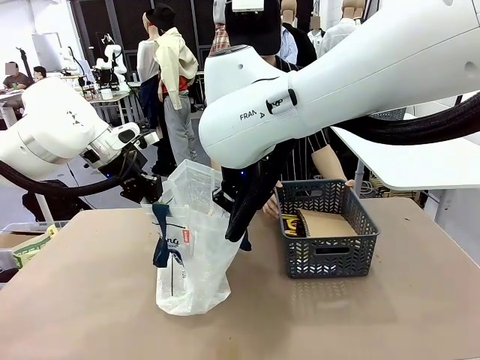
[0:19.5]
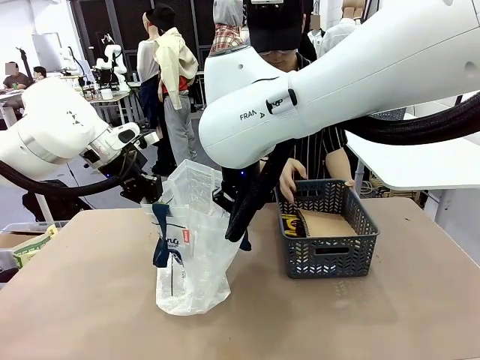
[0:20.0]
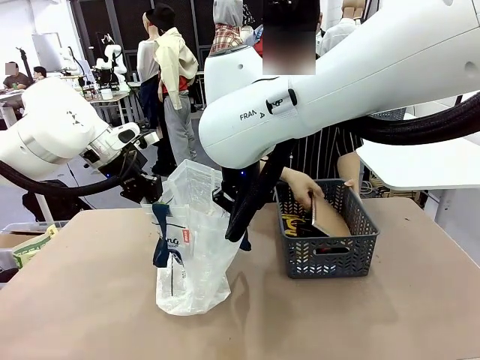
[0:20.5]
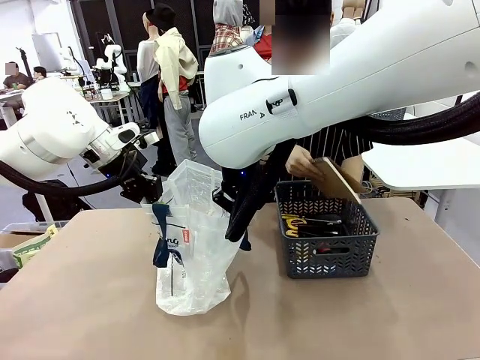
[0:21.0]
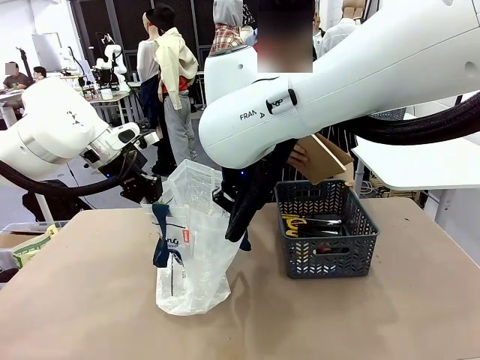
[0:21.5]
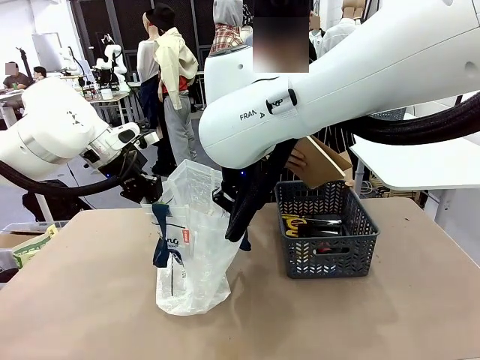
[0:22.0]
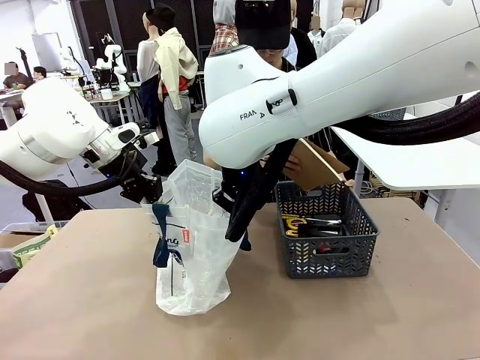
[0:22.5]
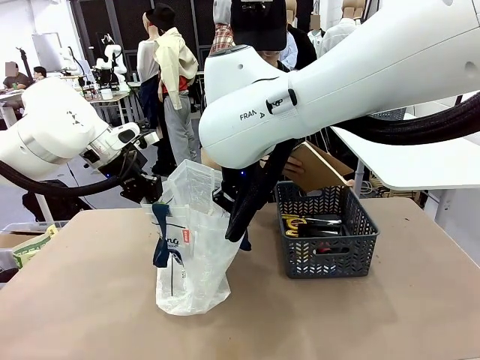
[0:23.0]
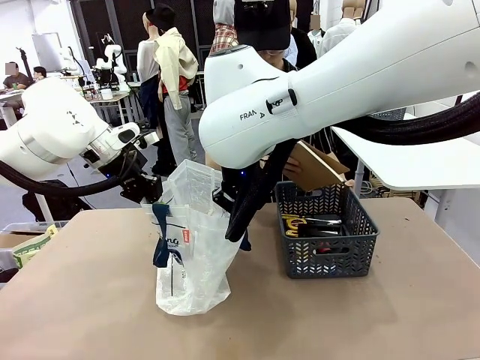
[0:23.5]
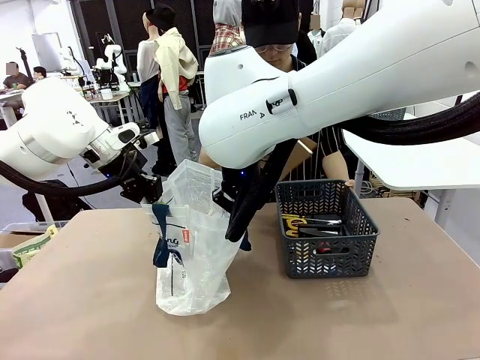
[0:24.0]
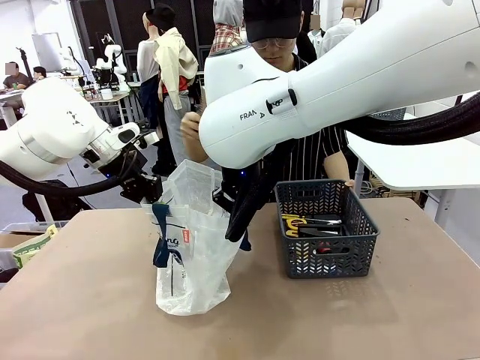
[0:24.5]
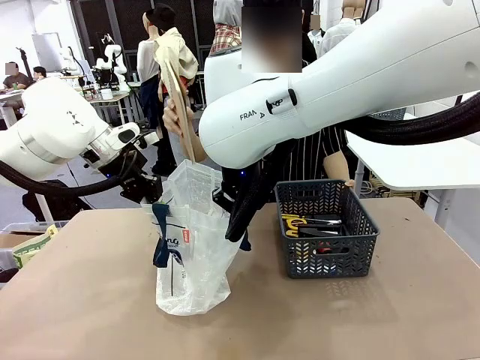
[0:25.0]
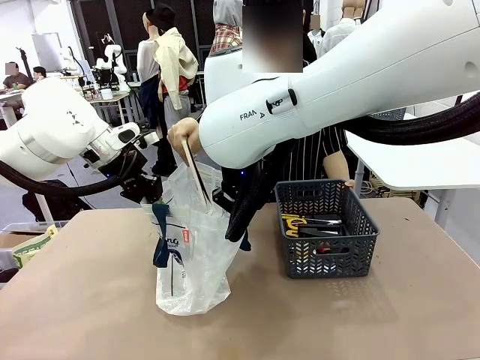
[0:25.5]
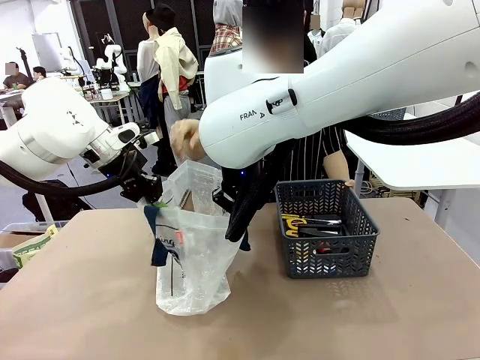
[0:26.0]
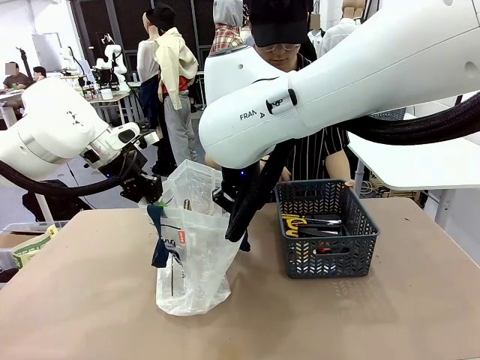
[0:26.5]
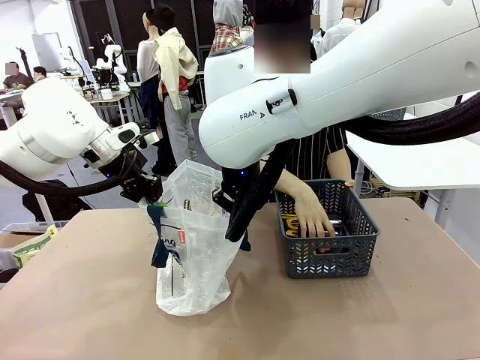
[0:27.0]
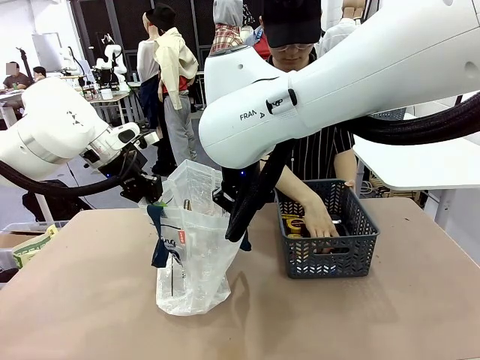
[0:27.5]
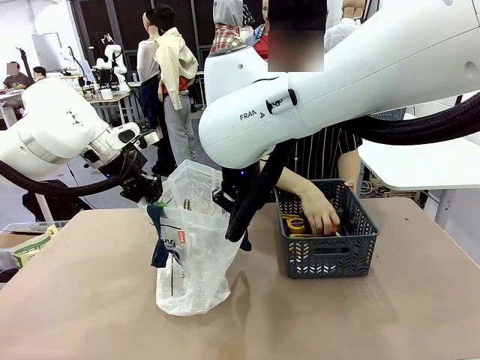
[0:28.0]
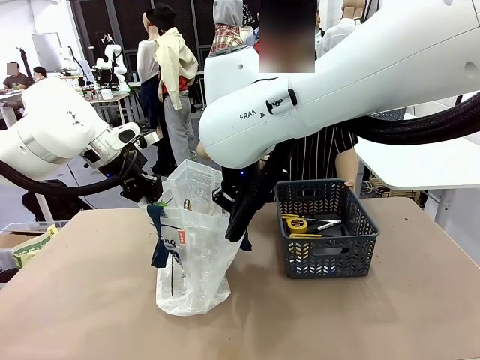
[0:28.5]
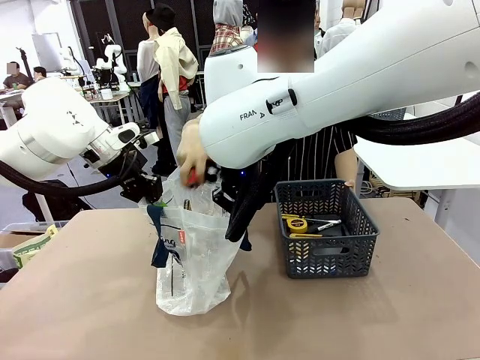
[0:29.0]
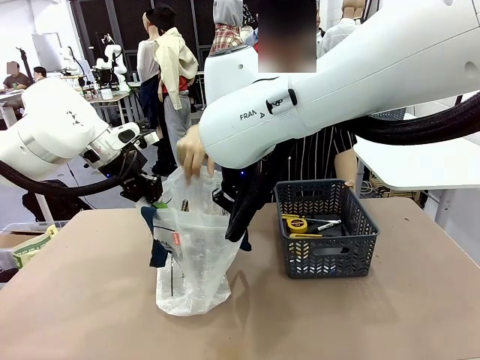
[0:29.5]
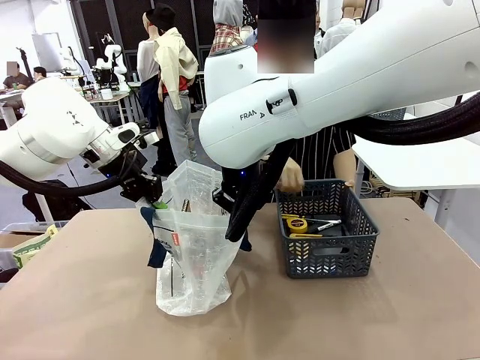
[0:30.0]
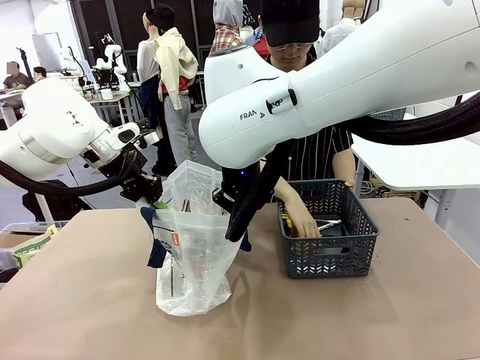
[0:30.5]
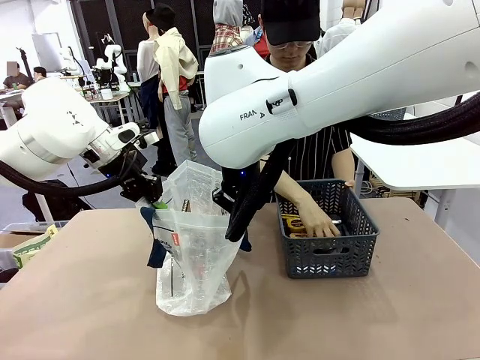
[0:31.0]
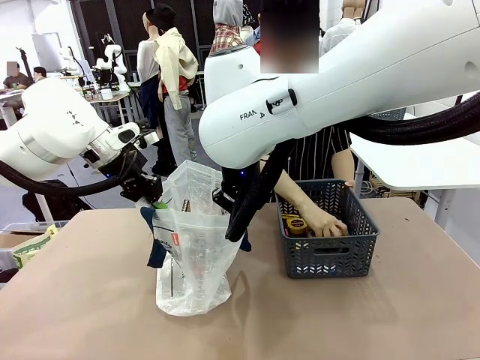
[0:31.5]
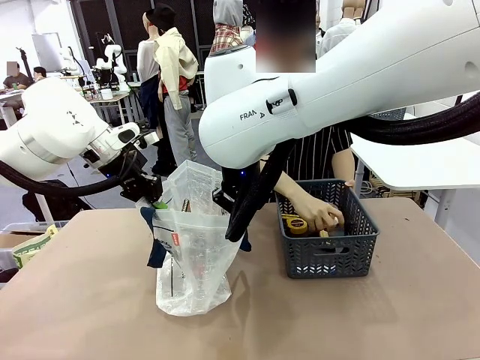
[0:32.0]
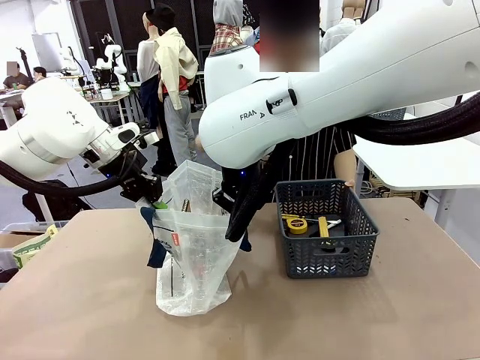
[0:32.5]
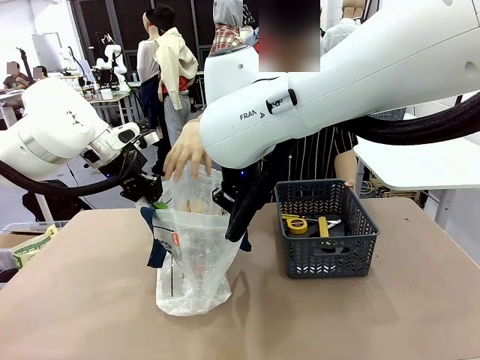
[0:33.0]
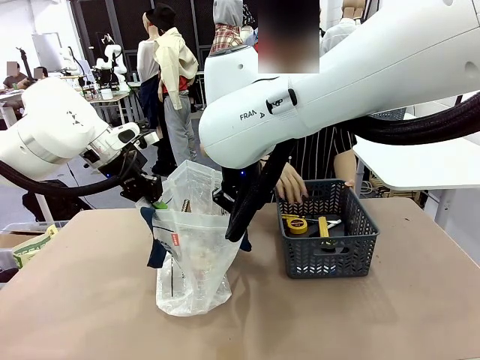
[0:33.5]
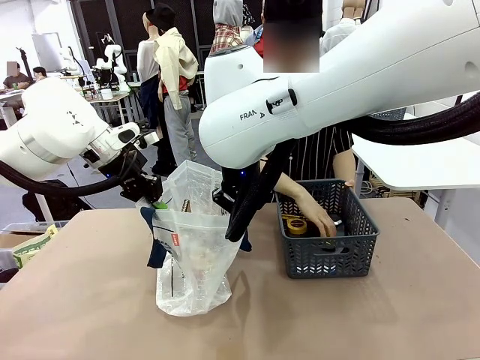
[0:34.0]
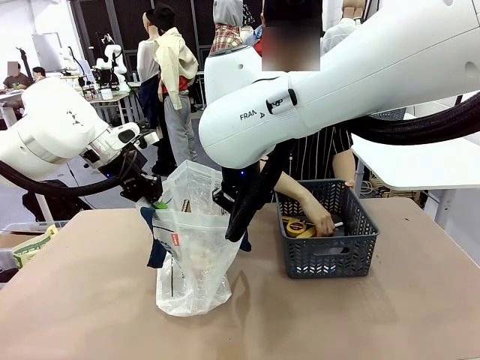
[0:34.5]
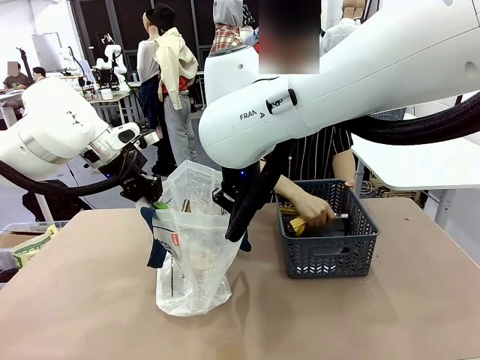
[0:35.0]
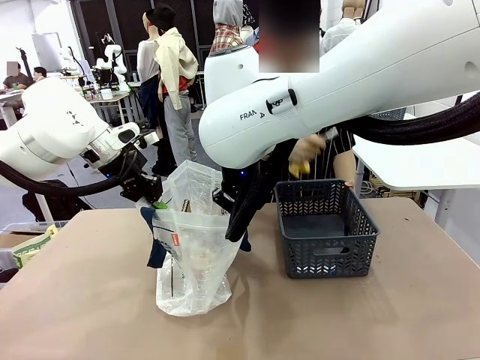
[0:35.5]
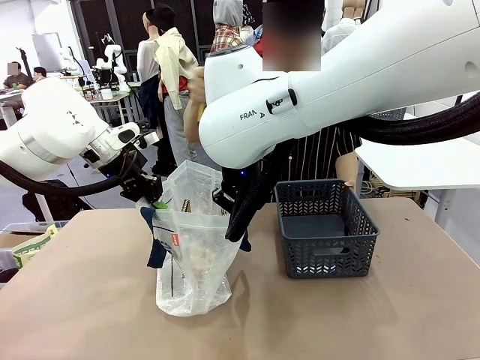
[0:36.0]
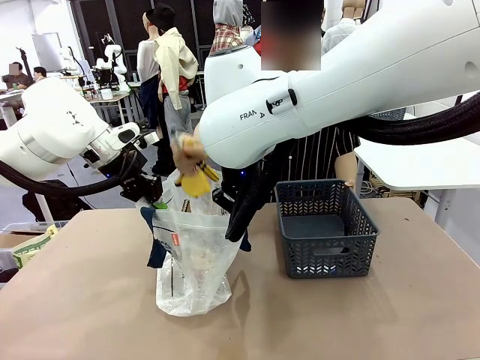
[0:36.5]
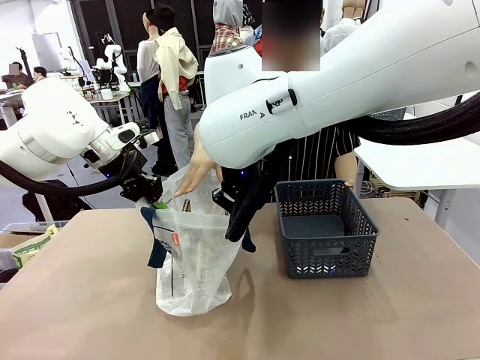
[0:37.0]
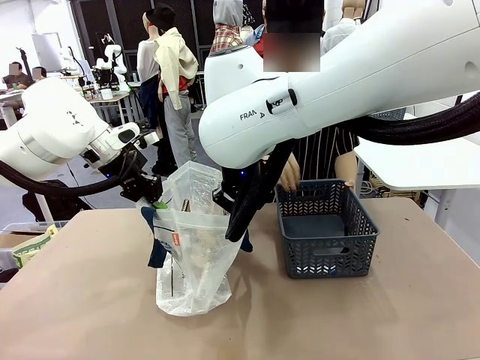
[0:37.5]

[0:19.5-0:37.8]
Task: Transfer purchased items from the store into the shopping bag.
Robot: Move the Reusable shopping bag to the right side of the table.
Person: Pick up the basket with the items out and place it on the right side of the human table.

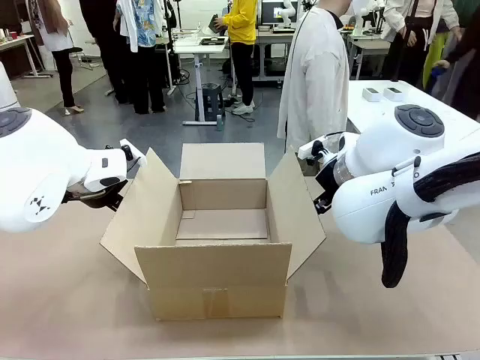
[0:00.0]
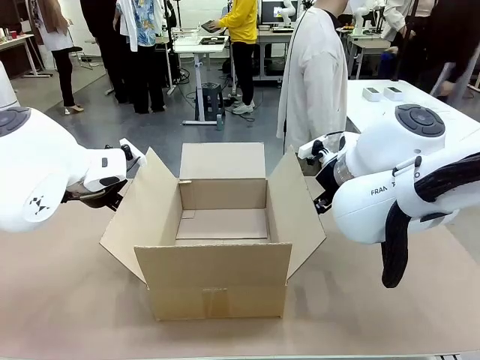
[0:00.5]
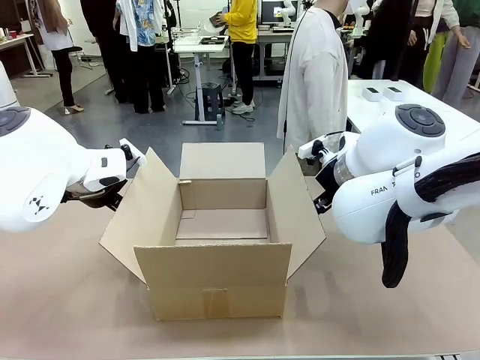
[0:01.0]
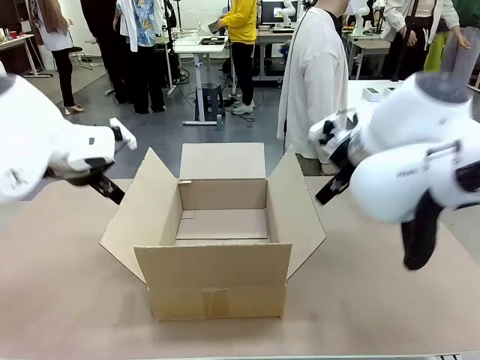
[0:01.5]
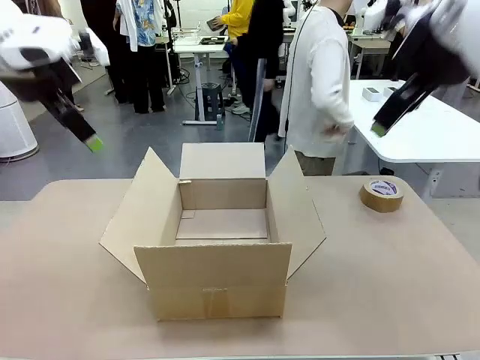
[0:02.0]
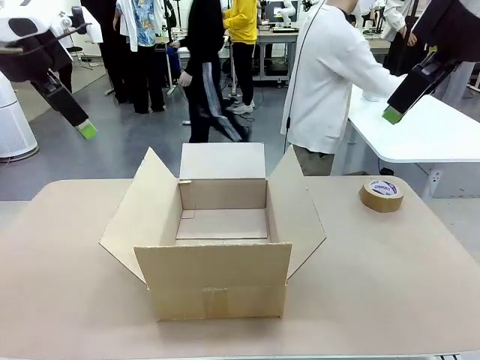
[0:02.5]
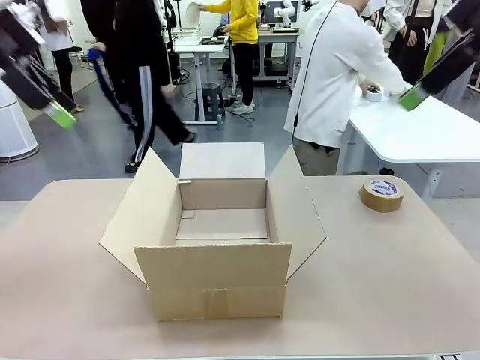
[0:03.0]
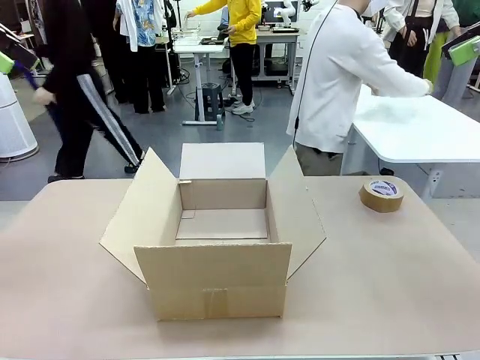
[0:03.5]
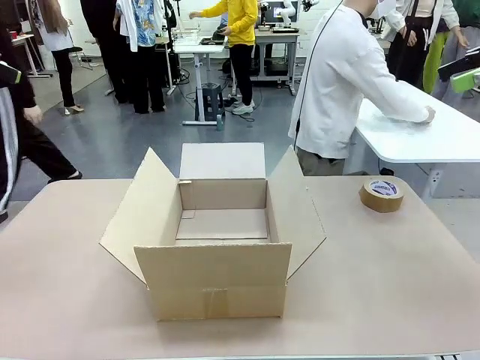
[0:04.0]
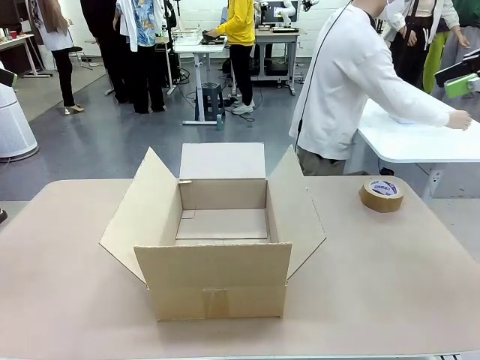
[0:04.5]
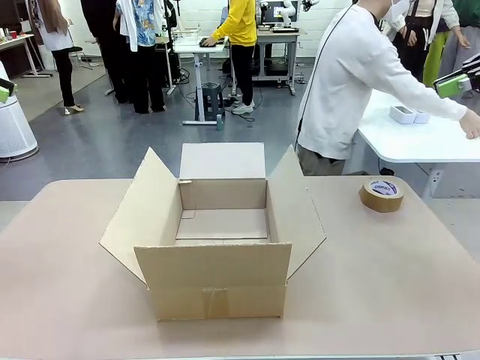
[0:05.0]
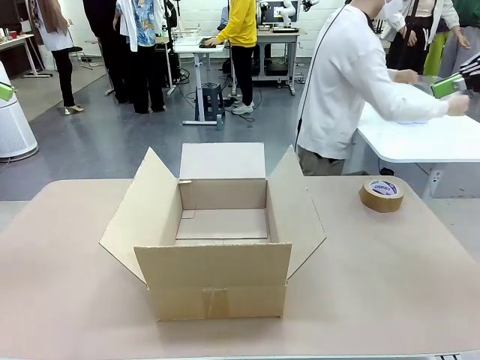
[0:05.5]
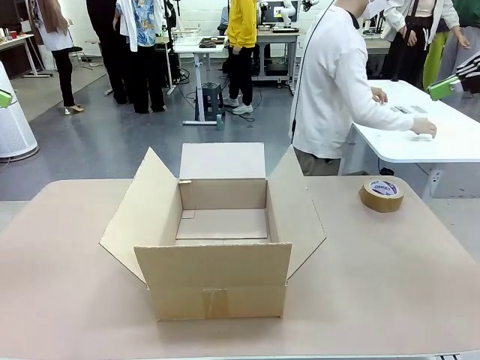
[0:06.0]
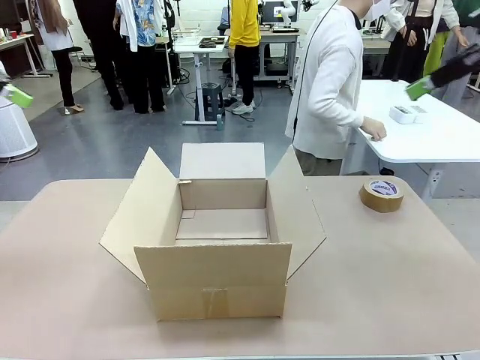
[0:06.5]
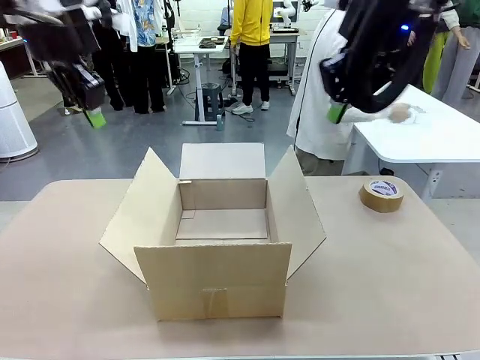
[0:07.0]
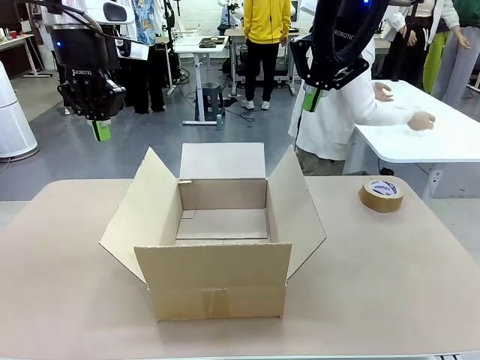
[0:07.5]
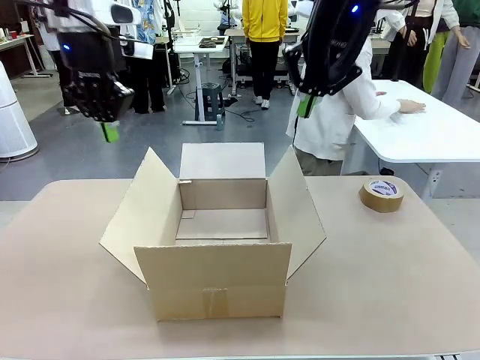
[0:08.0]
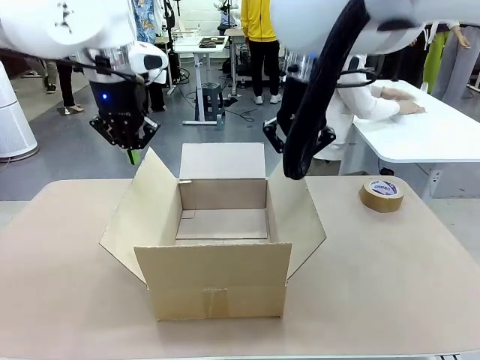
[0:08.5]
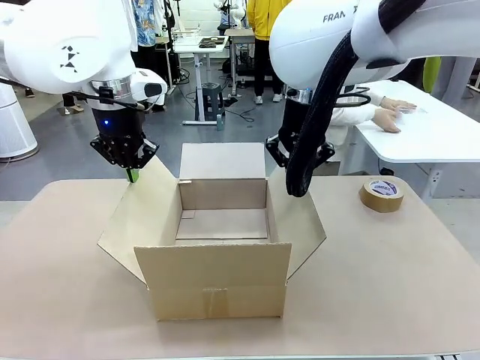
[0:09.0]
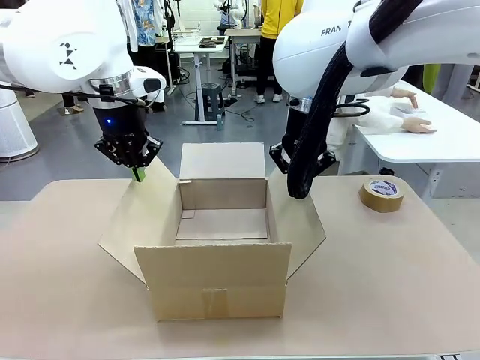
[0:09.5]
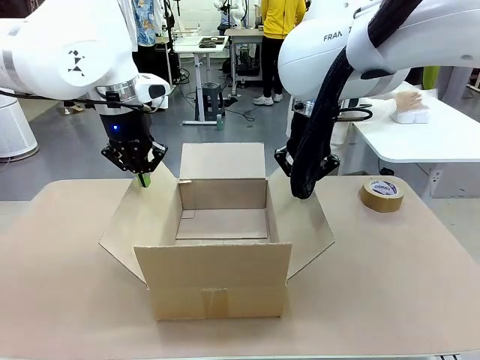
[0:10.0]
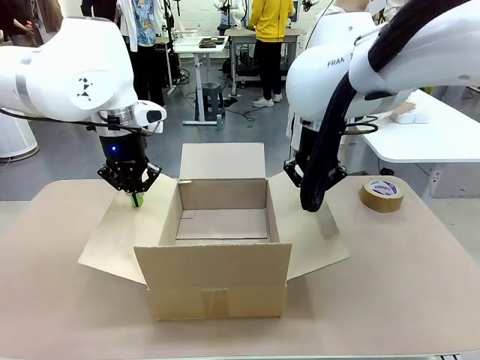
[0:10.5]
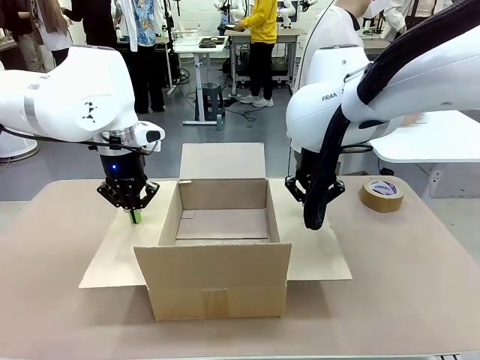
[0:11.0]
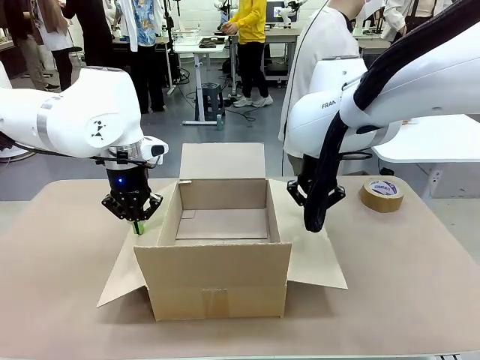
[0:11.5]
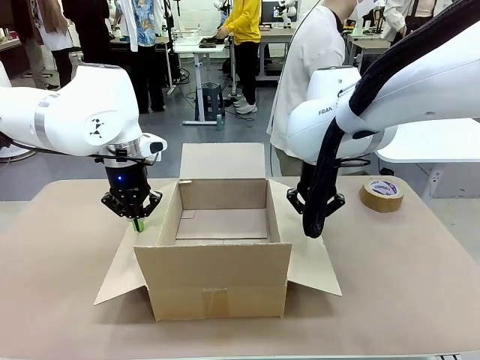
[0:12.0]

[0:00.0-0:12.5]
Task: Wrap the clocks to prevent damage.
Robot: Open the side flaps of the Package Box.
Person: Wrap the two Digital clocks with Bubble Wrap.
